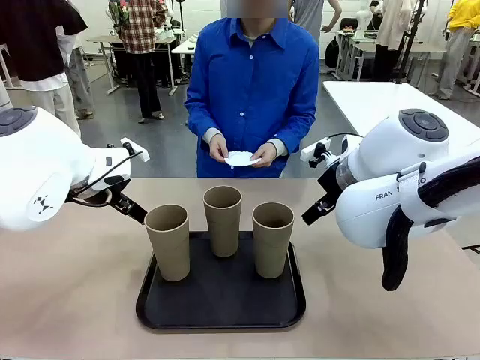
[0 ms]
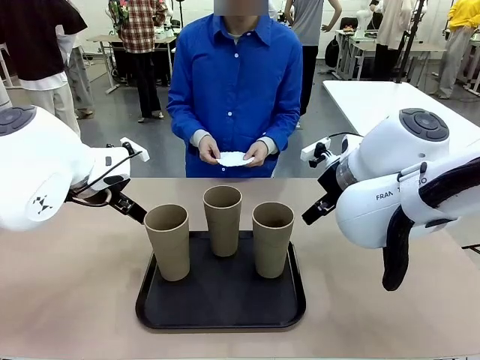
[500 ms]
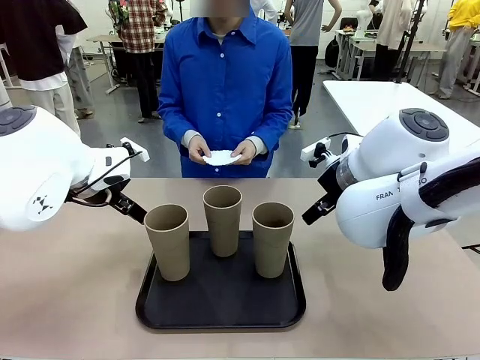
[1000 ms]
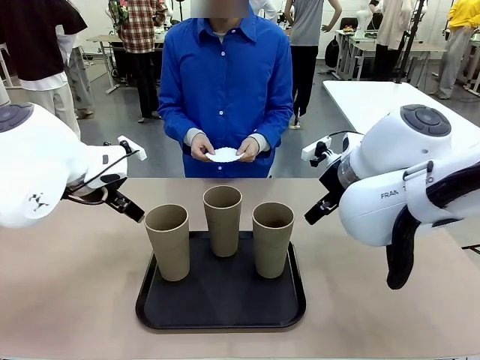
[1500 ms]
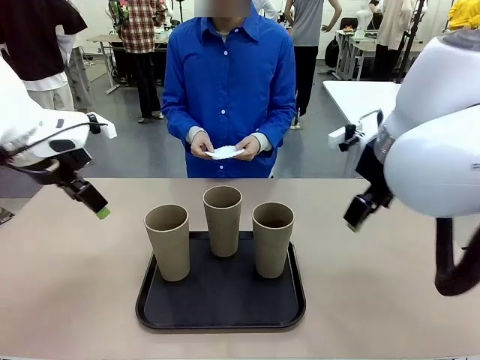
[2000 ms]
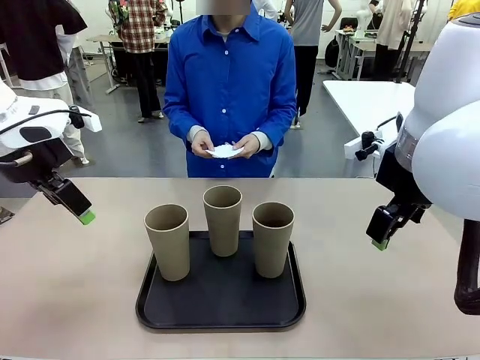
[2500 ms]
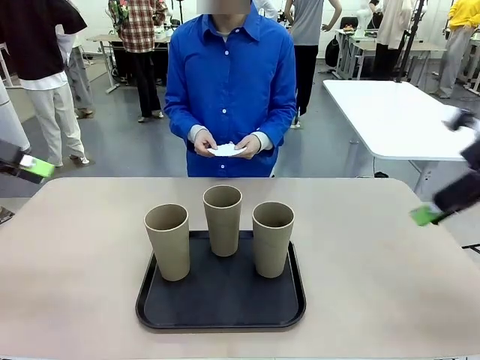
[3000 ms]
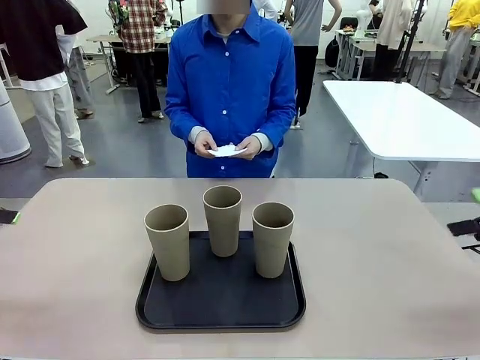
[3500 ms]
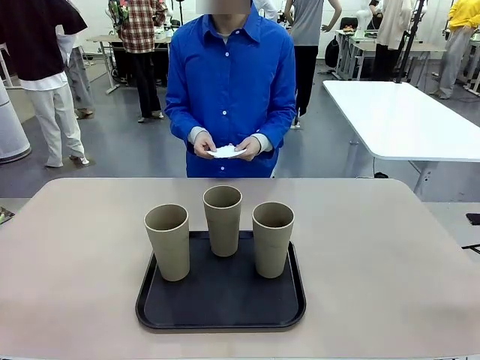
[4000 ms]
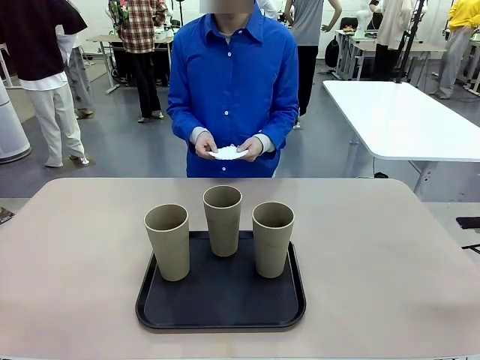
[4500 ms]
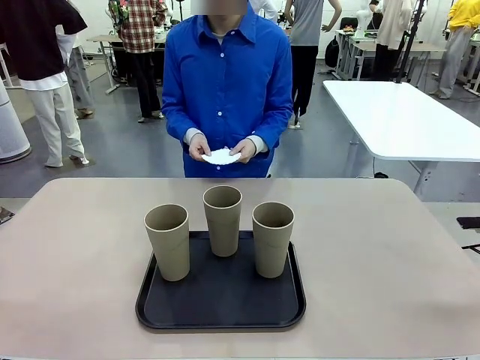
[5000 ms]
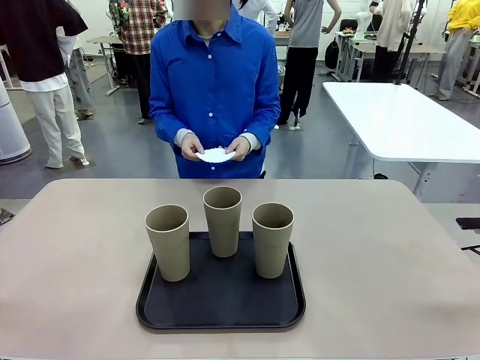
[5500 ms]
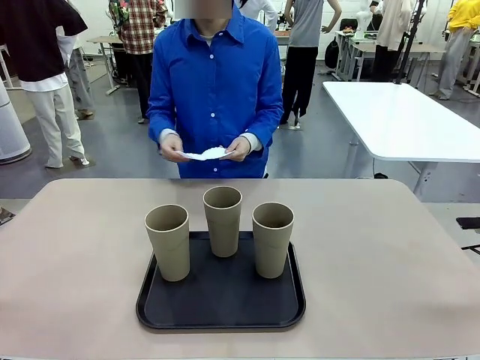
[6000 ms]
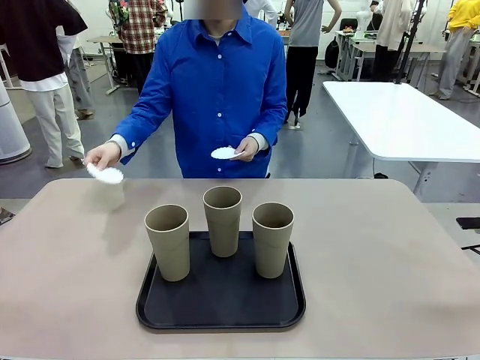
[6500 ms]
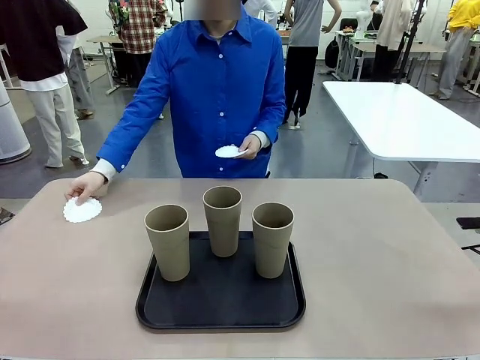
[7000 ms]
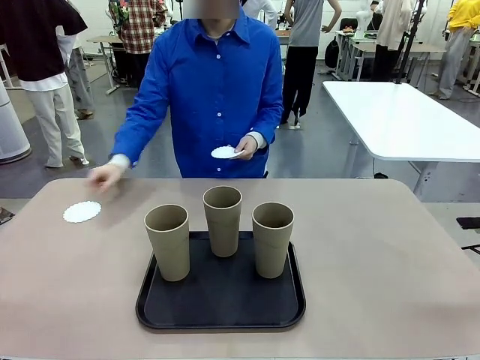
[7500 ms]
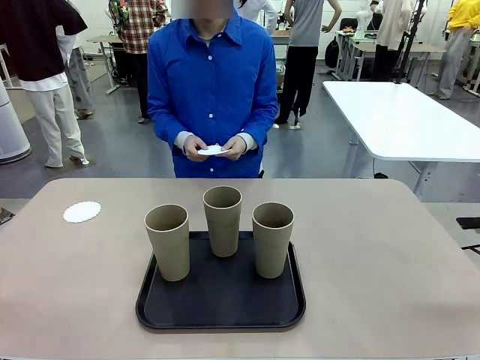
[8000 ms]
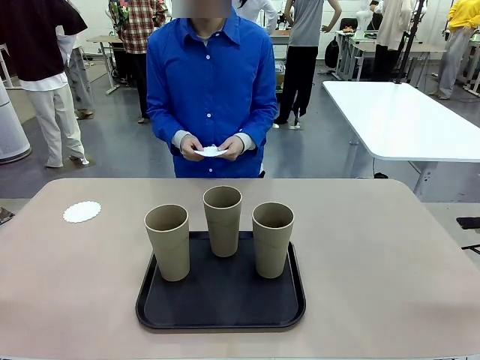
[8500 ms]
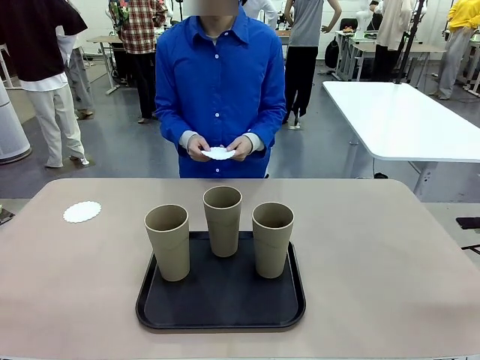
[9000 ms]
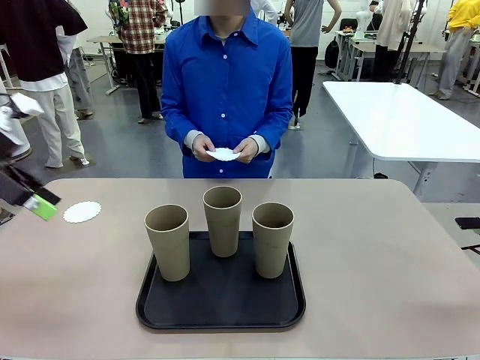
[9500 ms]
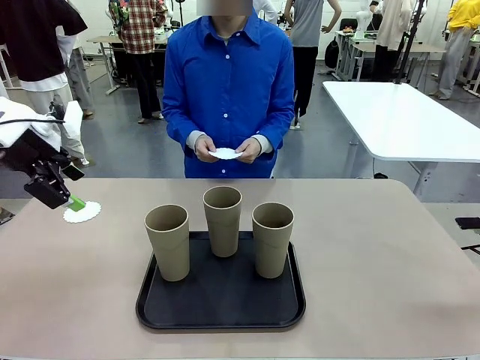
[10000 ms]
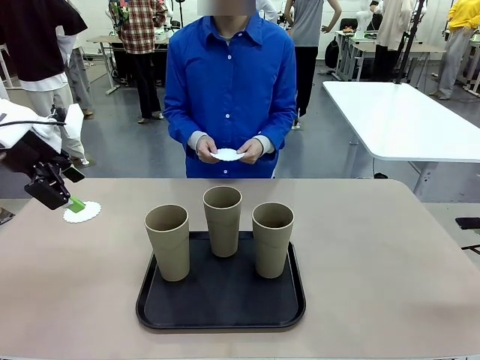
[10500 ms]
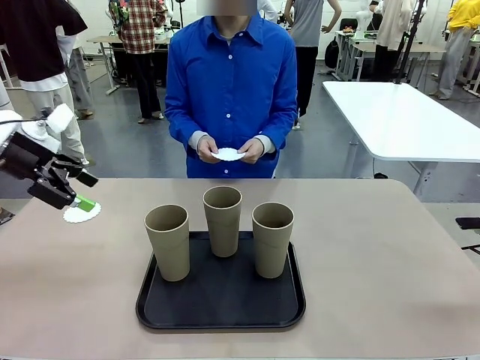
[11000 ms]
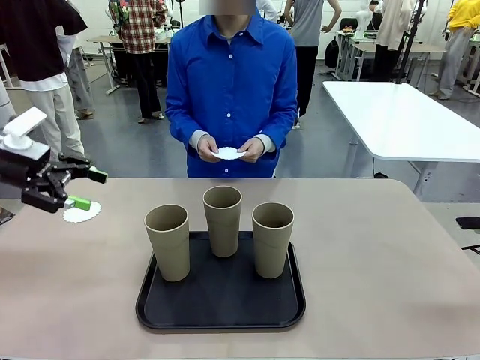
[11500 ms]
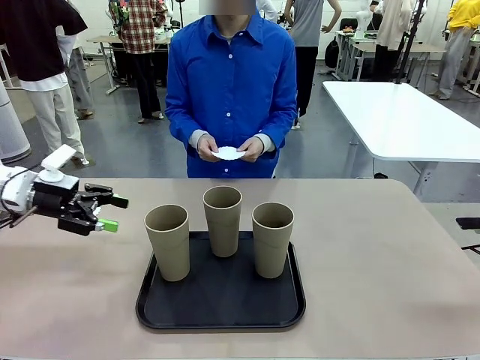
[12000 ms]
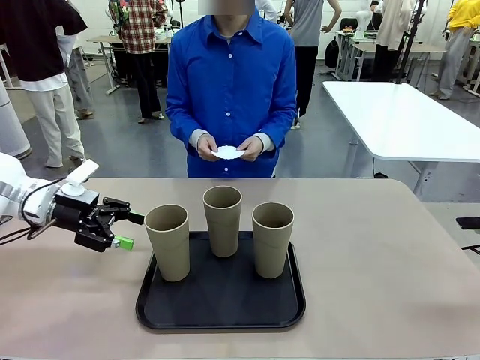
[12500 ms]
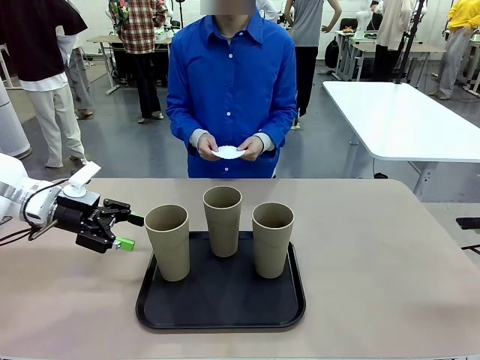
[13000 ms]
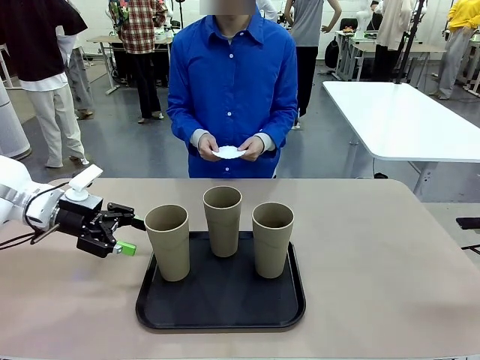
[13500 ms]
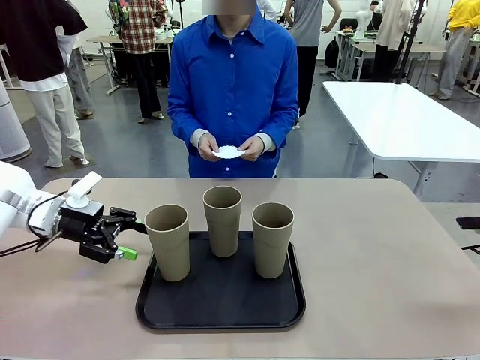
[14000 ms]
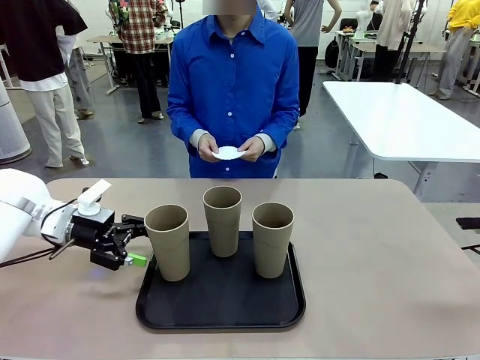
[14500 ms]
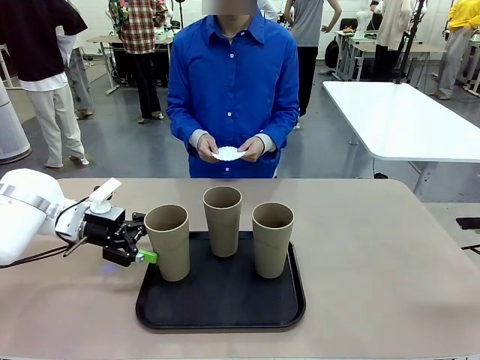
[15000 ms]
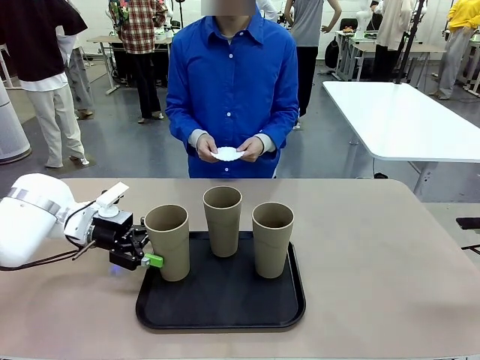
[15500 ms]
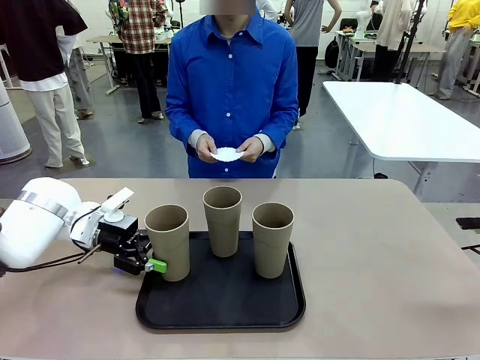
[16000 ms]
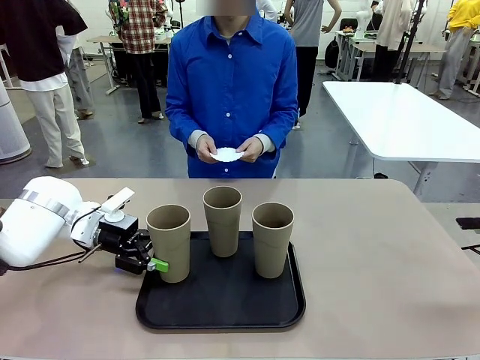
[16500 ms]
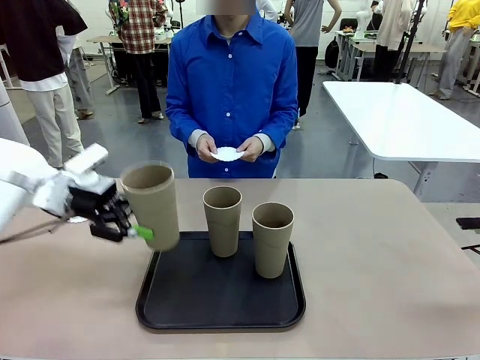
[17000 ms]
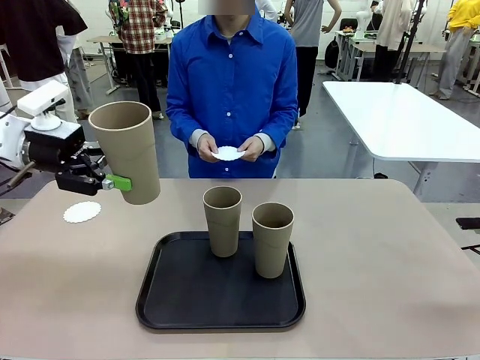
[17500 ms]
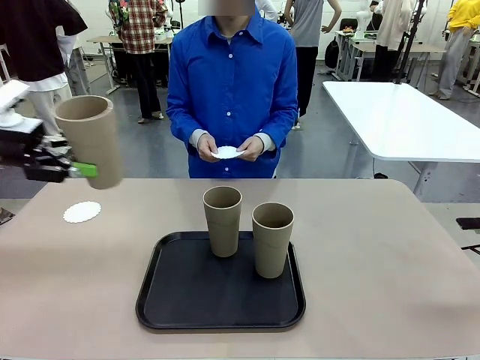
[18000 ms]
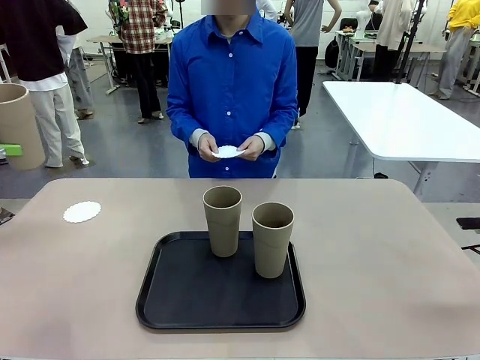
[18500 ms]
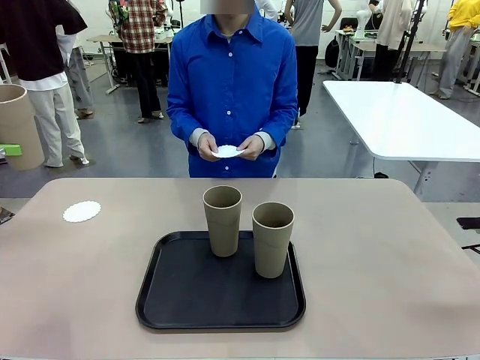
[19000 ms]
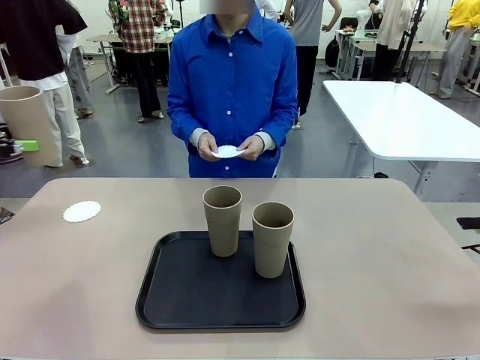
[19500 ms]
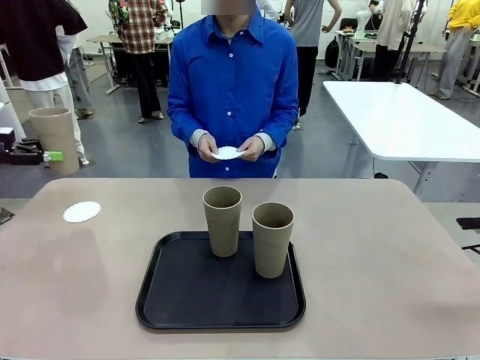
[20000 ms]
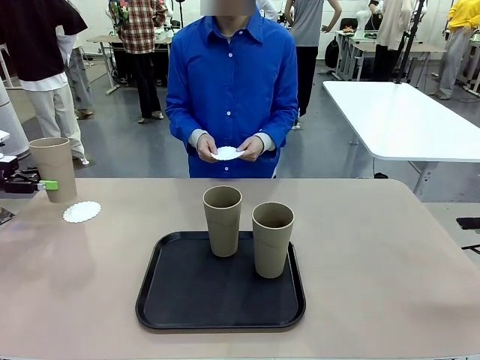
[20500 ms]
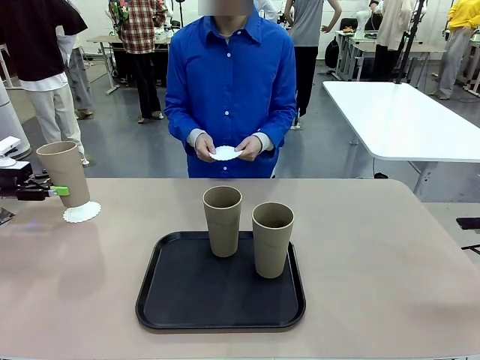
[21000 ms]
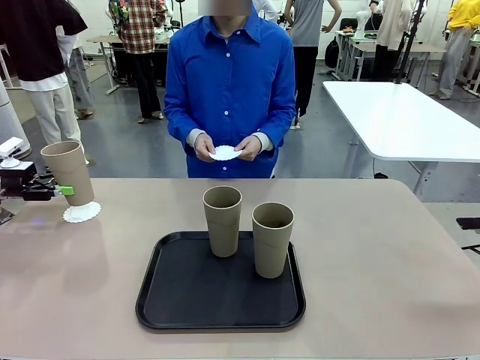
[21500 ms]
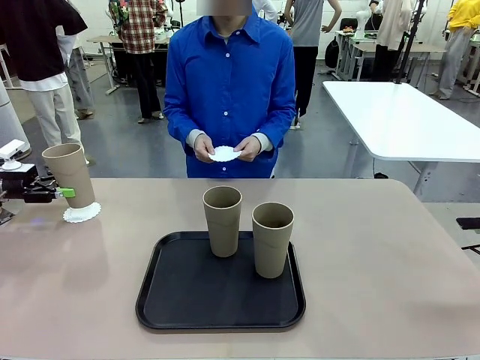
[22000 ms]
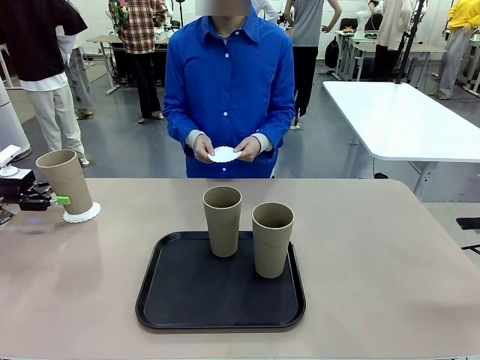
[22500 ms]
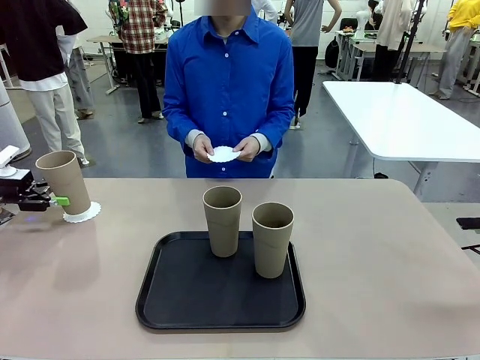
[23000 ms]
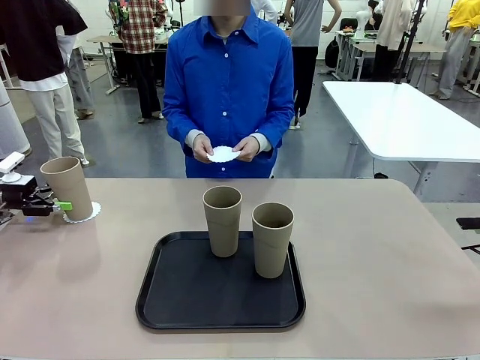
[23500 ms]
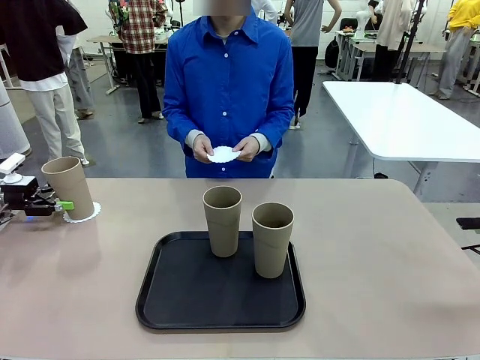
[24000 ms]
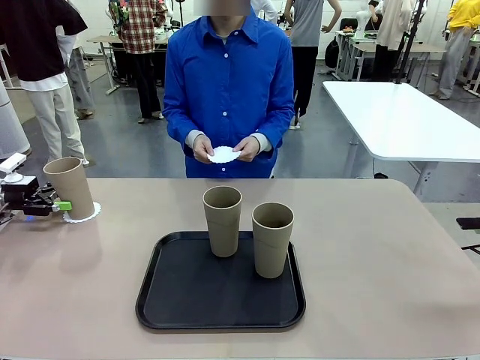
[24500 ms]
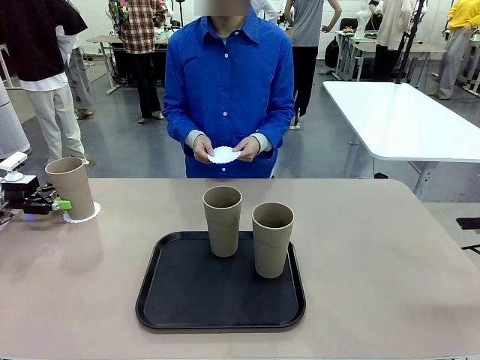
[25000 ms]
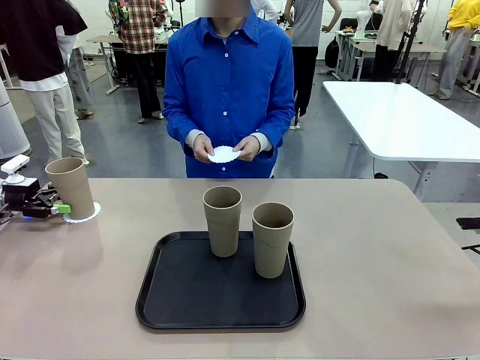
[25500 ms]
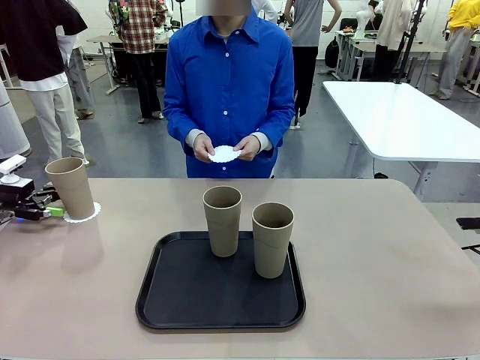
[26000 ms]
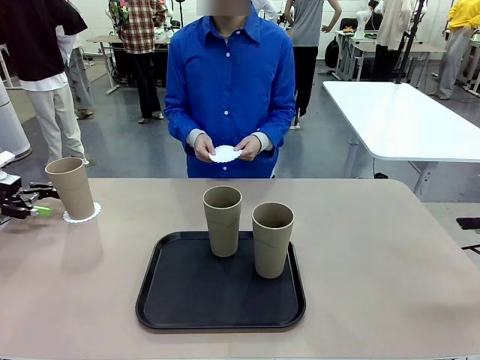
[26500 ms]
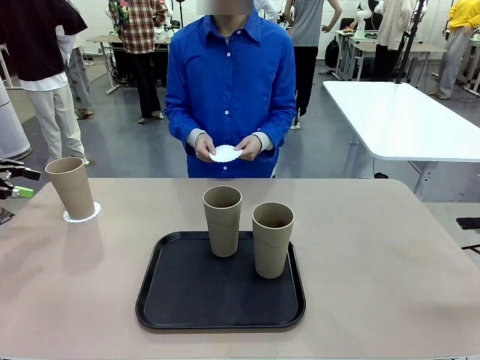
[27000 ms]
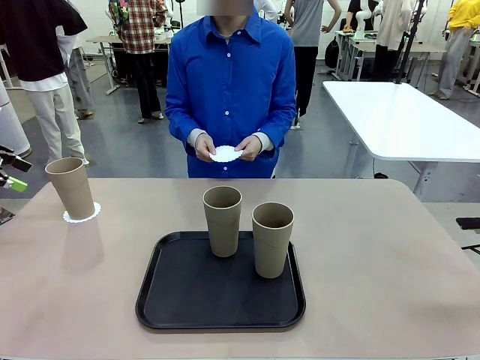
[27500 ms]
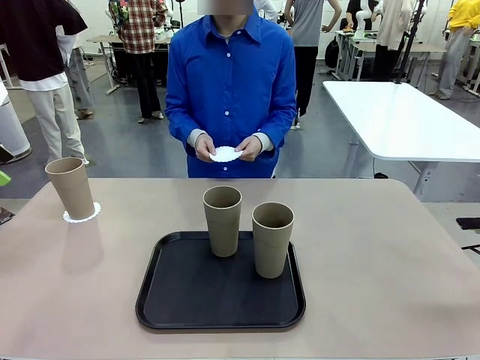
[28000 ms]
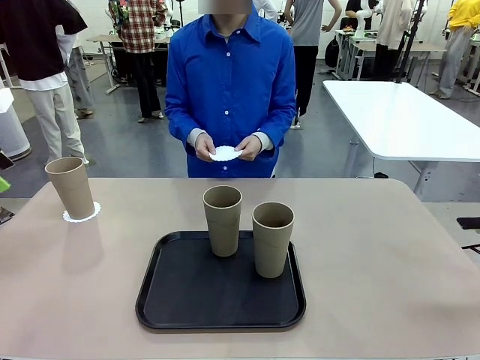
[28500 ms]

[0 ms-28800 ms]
Task: Place coasters on the table and set cups on them.
Robot: Pick up one Reusable plastic cup and place it on a coaster set by the human.
Person: Place one coaster in any one of the three lower areas of the robot table (left, center, or right). Place one coaster in one of the two areas excluding the previously selected area.
